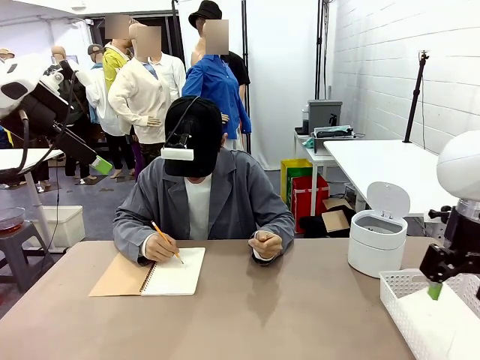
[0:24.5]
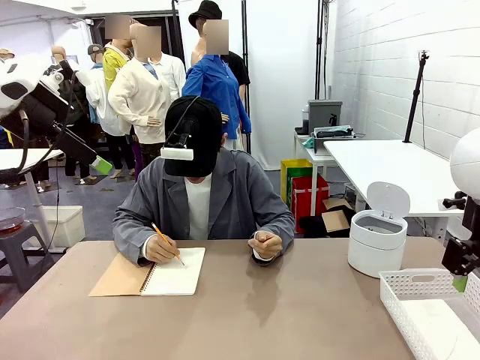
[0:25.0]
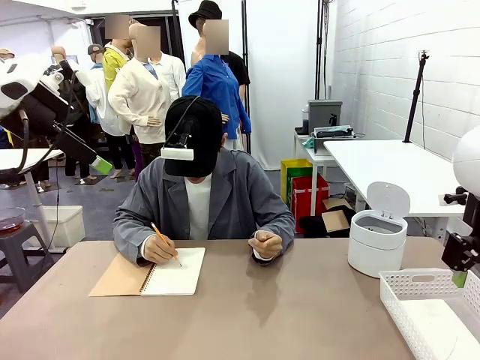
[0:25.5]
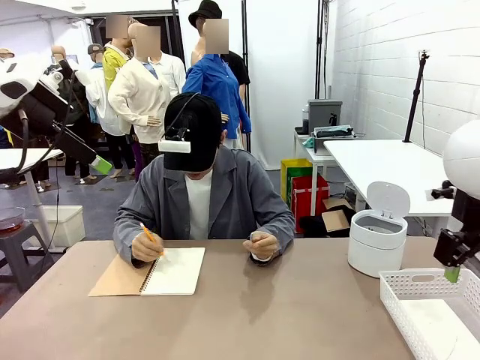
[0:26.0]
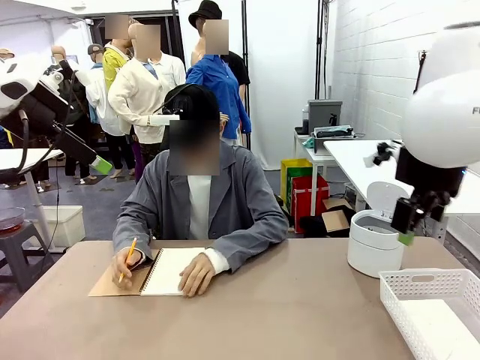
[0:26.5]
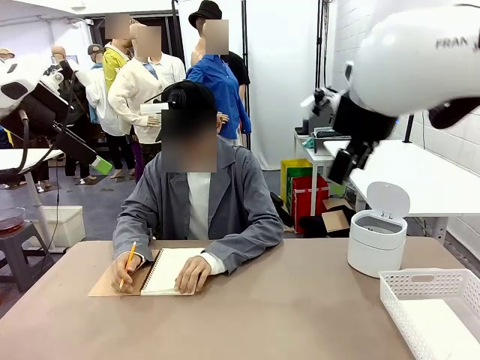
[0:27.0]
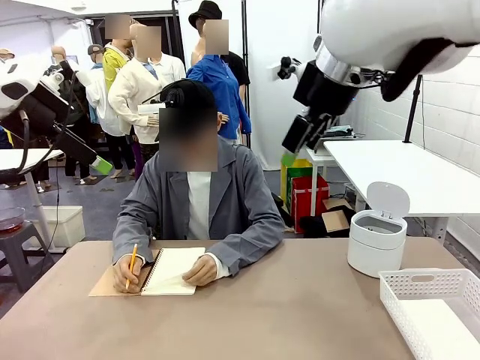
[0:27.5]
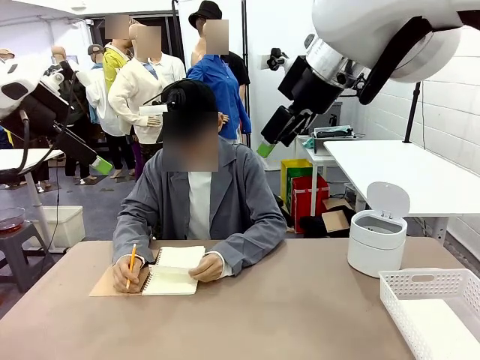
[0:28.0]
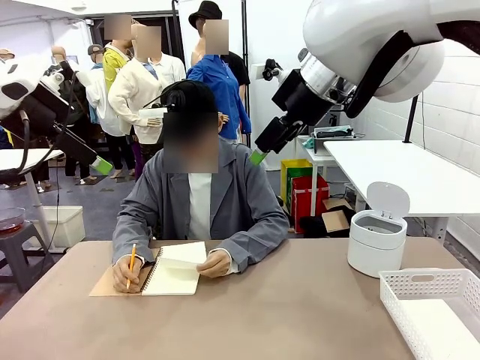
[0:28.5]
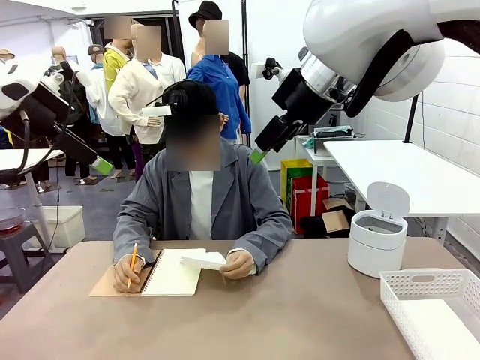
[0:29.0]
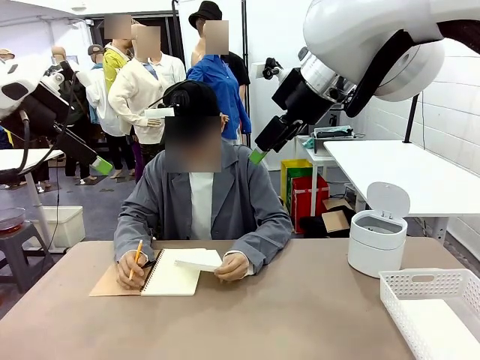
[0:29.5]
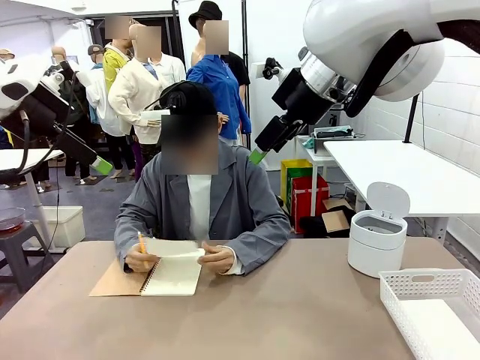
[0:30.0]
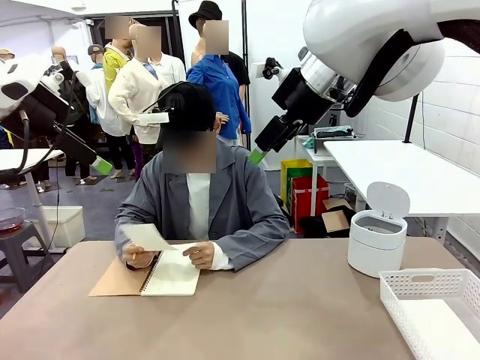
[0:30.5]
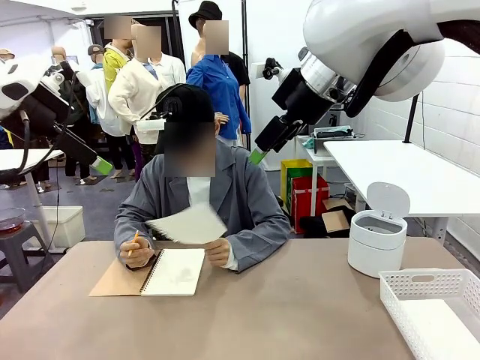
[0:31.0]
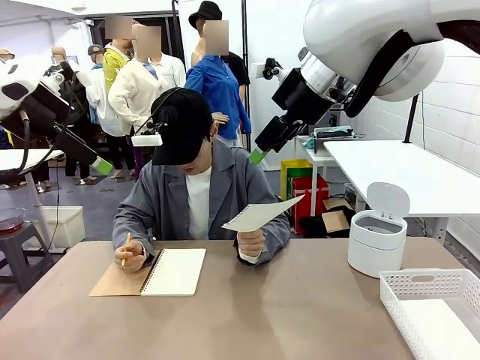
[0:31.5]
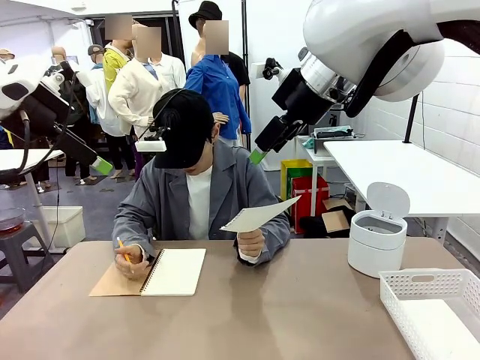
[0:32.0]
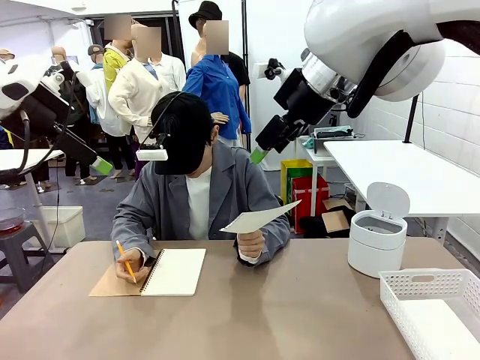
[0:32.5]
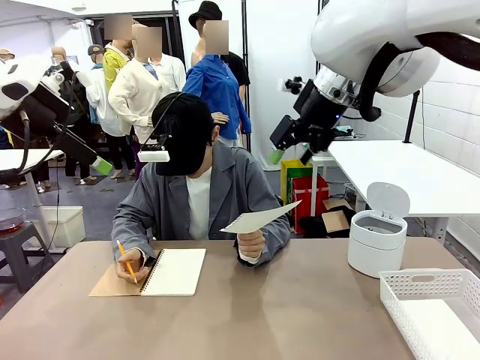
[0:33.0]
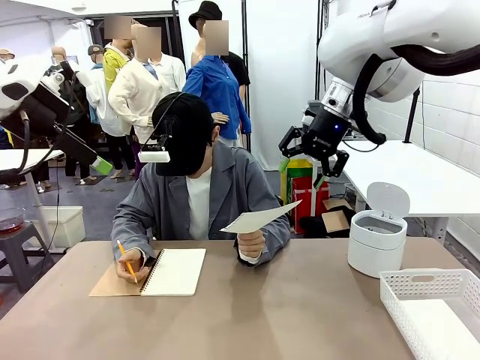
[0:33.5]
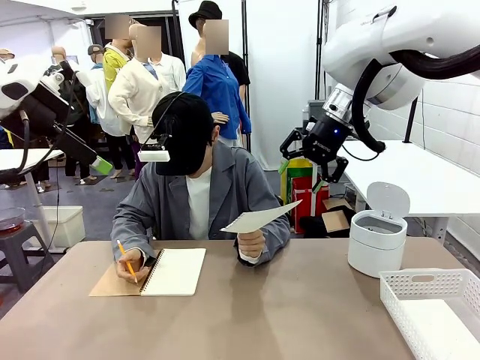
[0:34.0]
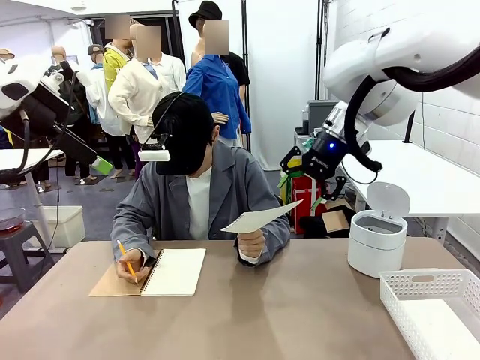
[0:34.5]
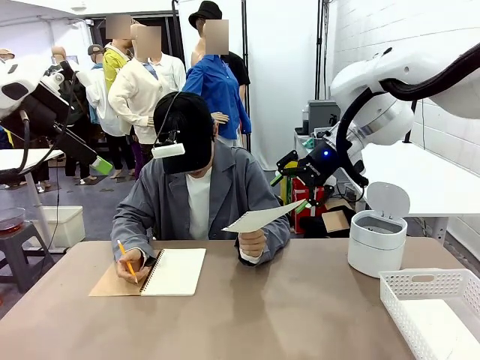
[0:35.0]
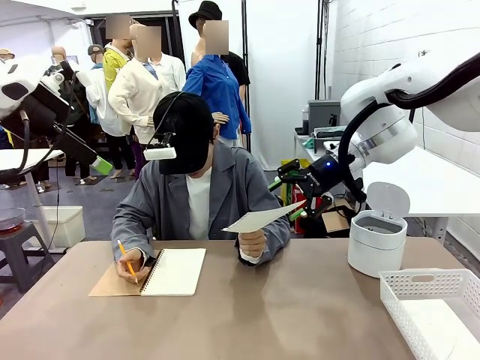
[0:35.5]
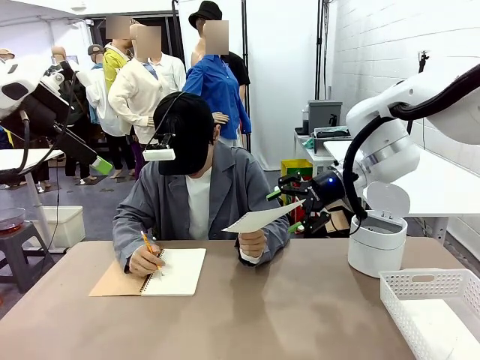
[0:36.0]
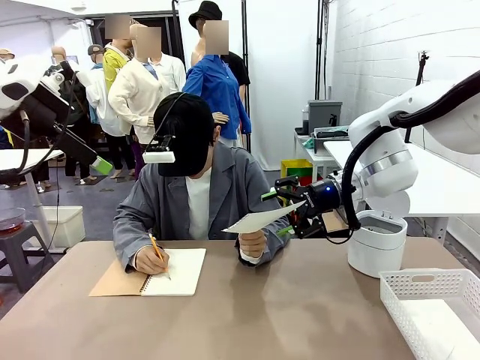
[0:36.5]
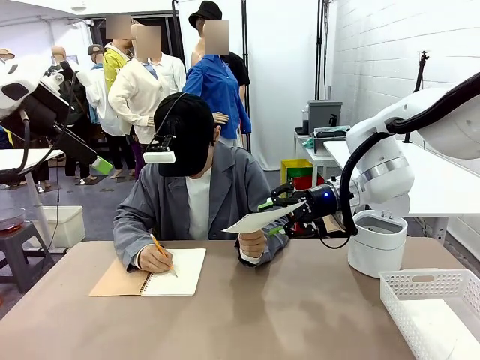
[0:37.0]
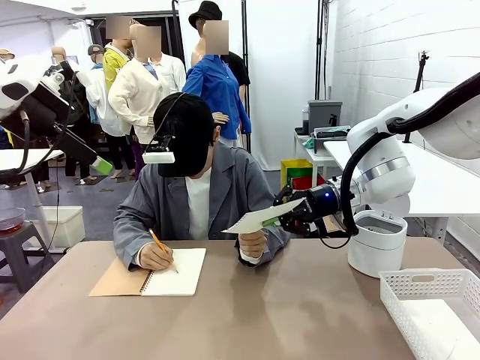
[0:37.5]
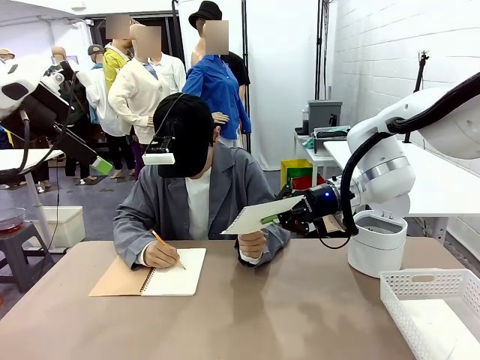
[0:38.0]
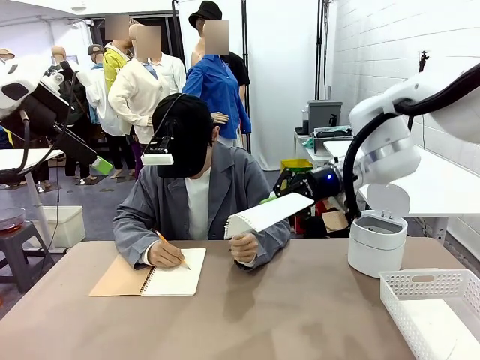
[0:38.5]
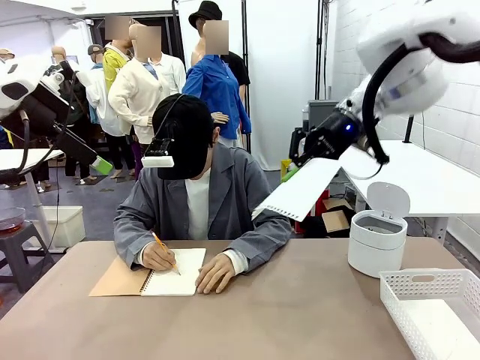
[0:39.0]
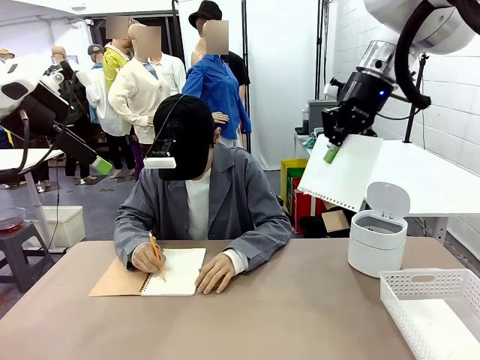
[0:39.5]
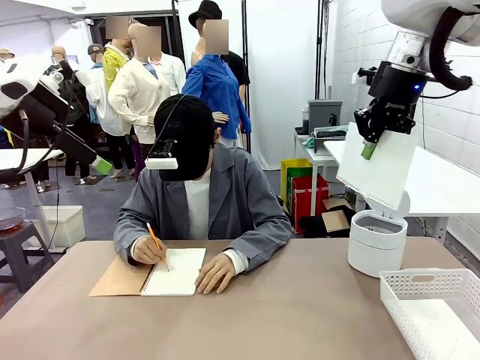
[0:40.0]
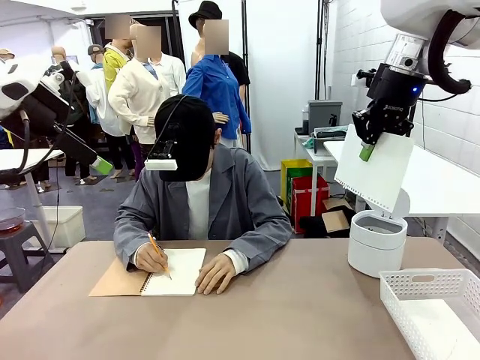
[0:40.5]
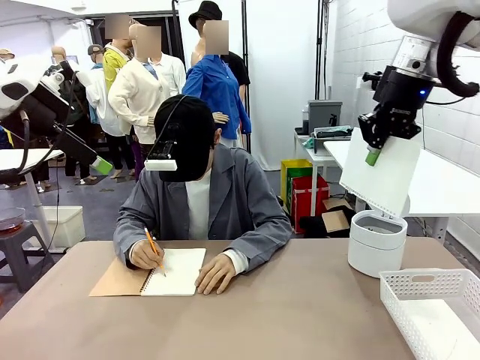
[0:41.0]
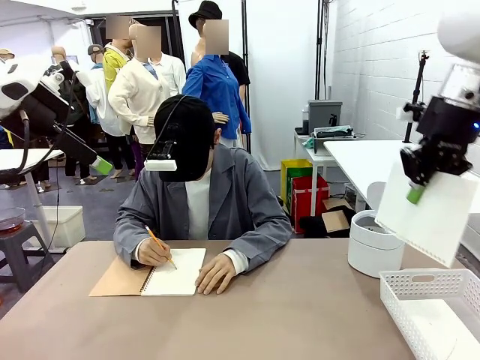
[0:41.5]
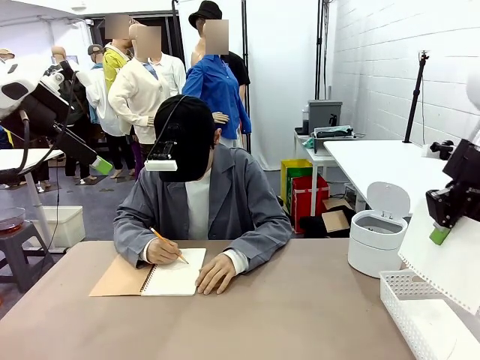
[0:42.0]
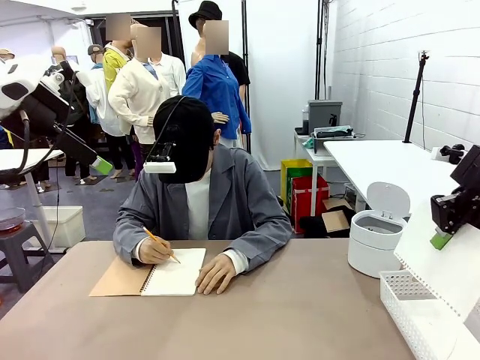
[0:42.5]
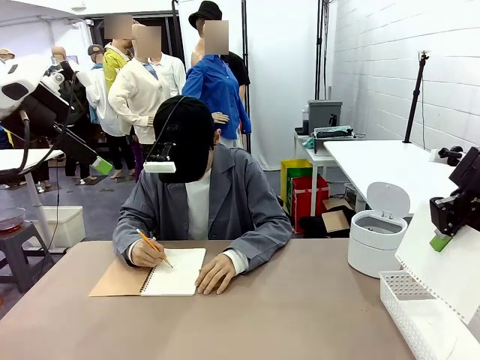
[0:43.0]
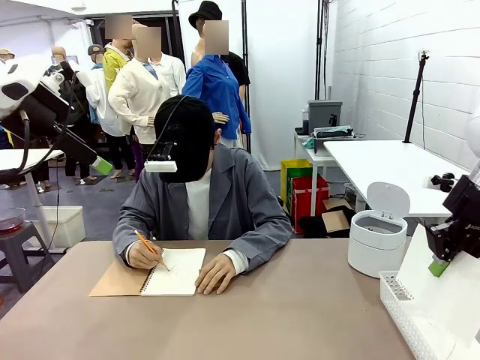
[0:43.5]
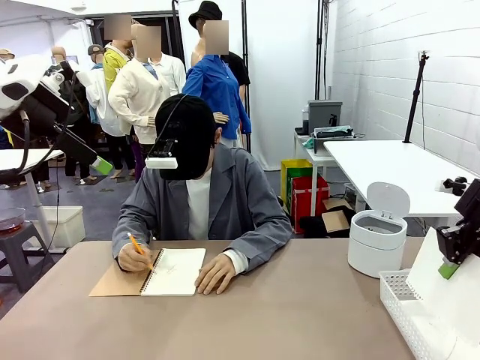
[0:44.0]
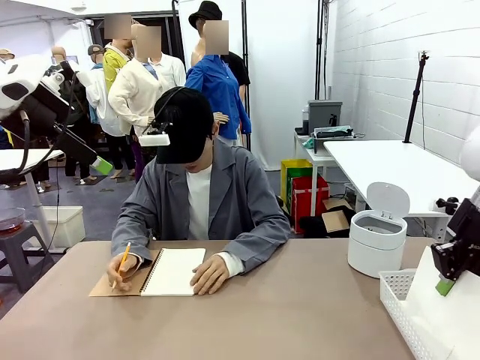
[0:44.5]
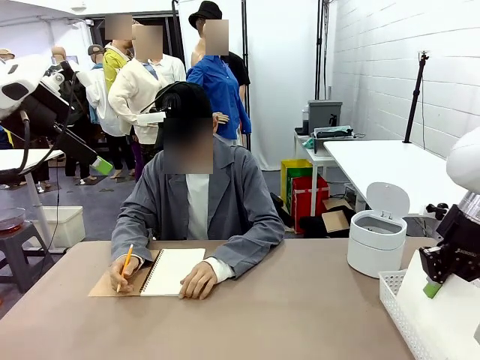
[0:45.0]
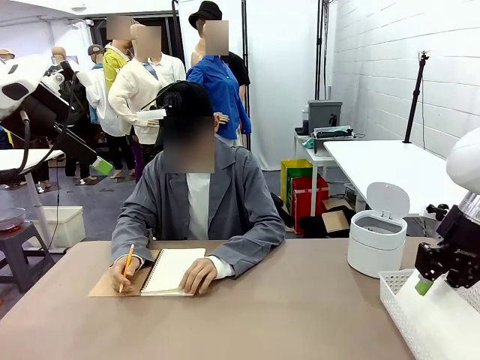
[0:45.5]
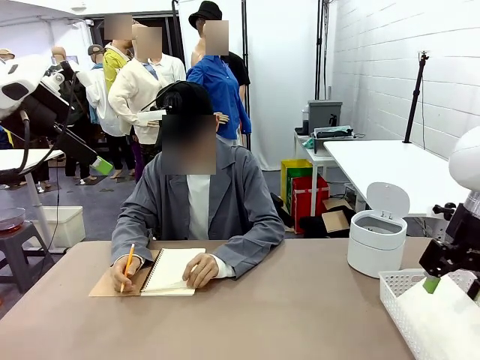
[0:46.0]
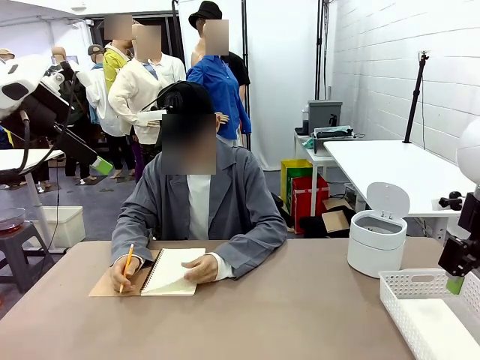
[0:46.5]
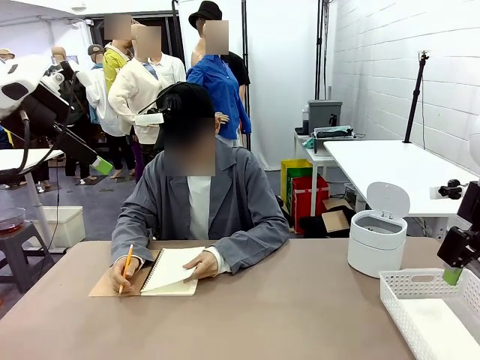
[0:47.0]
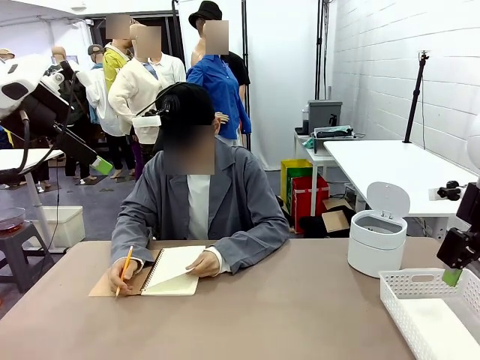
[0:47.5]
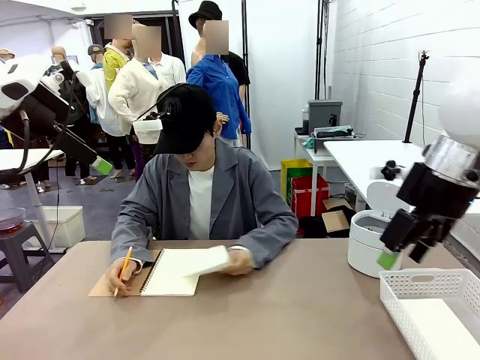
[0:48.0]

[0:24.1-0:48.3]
Task: Sort the paper based on its condition.
Robot: If a person hands you a paper, place it in the Organizing basket , and if it's crumpled, put it in the Trash can.
Person: Hand the torn page to the robot or crumple it and throw it to the center of the table. Tear out a page from the spiral notebook.
